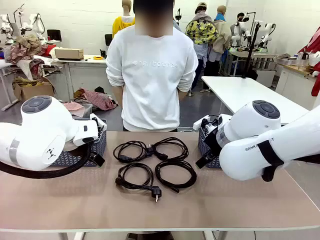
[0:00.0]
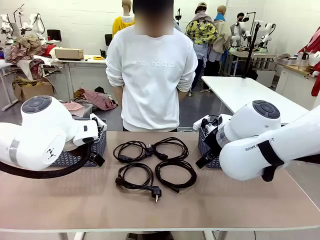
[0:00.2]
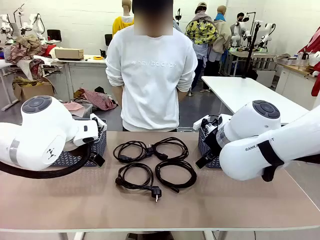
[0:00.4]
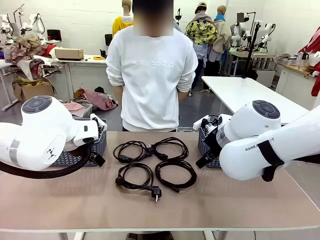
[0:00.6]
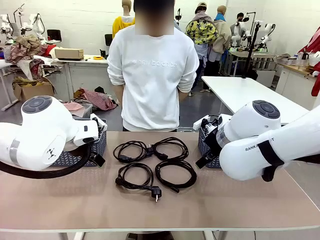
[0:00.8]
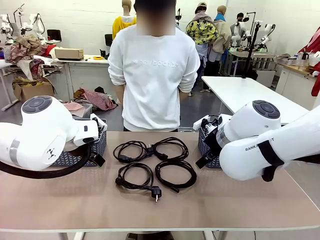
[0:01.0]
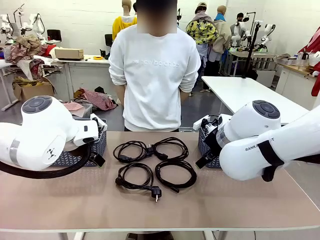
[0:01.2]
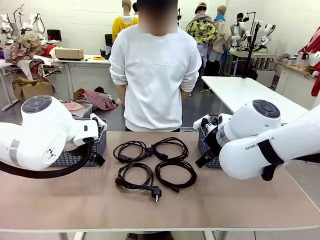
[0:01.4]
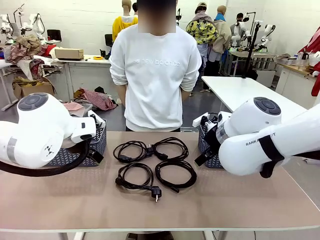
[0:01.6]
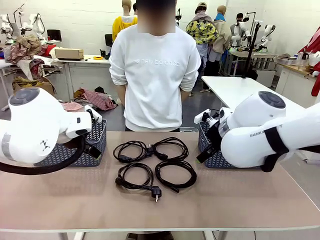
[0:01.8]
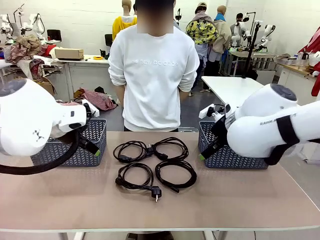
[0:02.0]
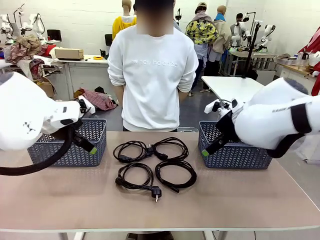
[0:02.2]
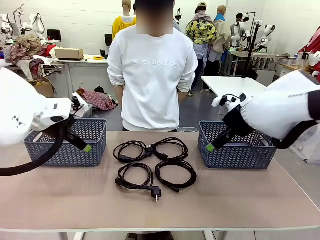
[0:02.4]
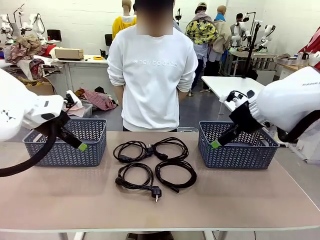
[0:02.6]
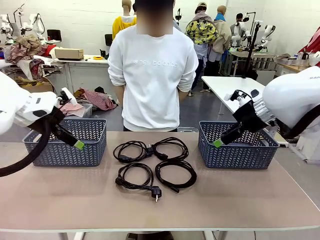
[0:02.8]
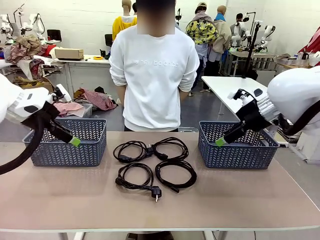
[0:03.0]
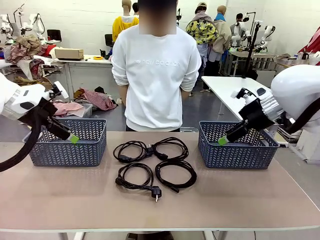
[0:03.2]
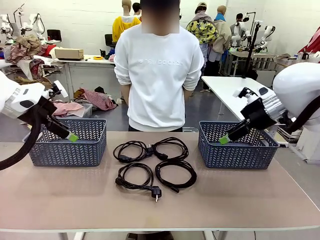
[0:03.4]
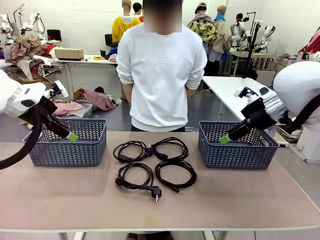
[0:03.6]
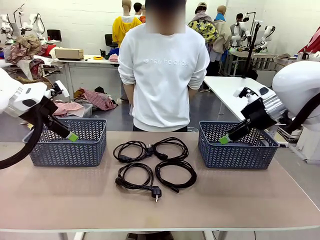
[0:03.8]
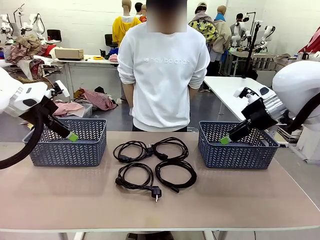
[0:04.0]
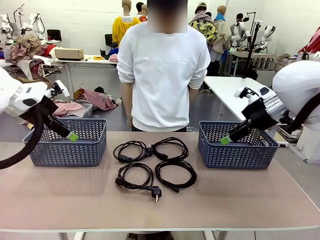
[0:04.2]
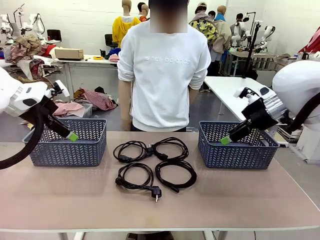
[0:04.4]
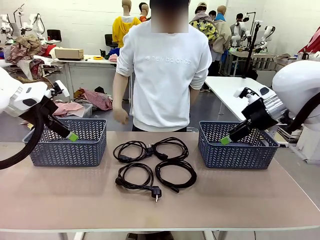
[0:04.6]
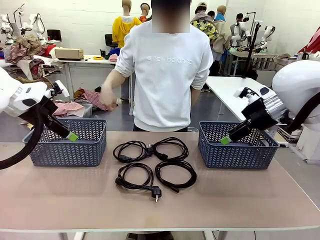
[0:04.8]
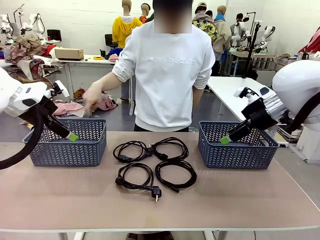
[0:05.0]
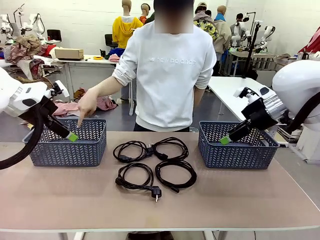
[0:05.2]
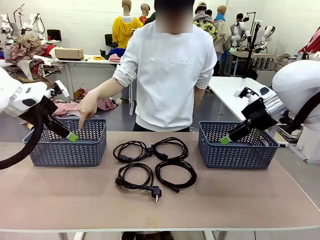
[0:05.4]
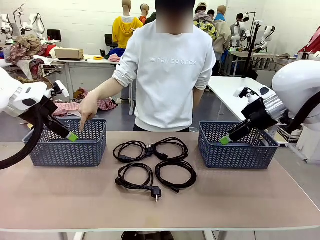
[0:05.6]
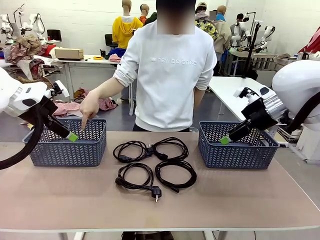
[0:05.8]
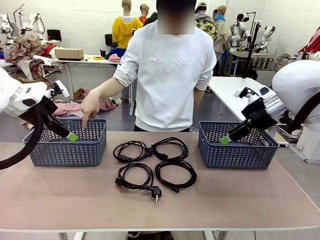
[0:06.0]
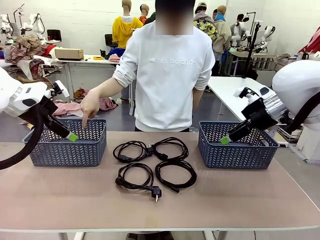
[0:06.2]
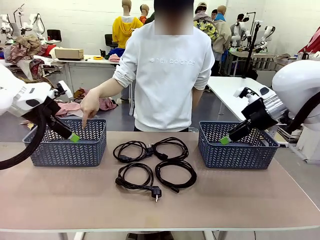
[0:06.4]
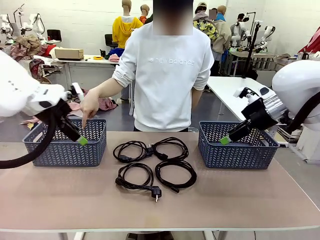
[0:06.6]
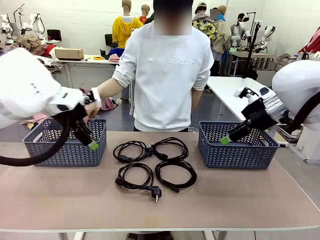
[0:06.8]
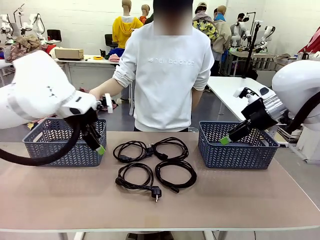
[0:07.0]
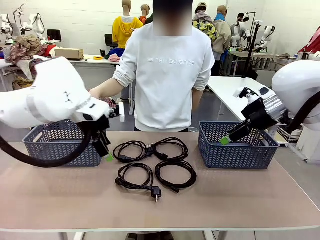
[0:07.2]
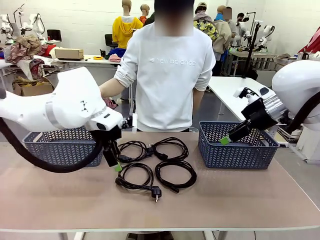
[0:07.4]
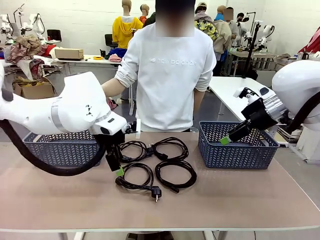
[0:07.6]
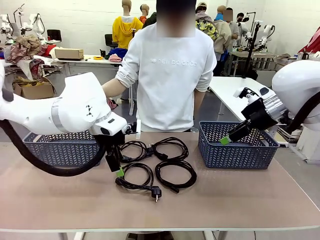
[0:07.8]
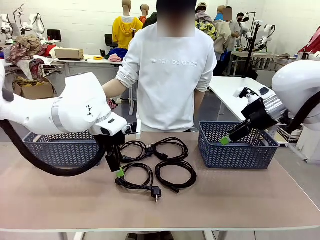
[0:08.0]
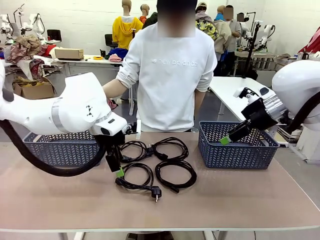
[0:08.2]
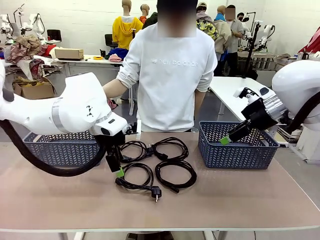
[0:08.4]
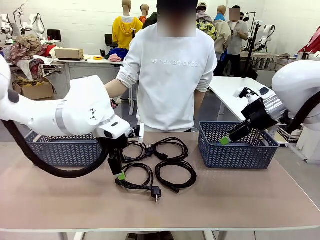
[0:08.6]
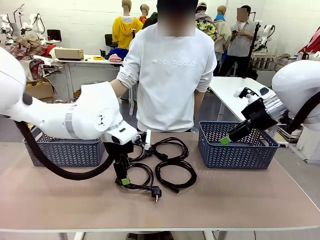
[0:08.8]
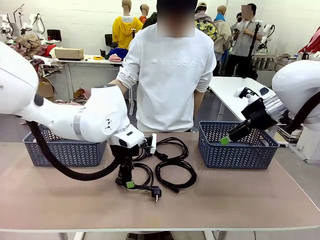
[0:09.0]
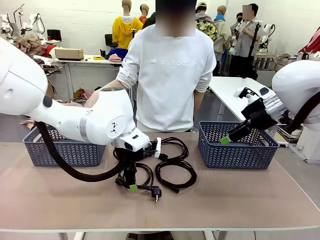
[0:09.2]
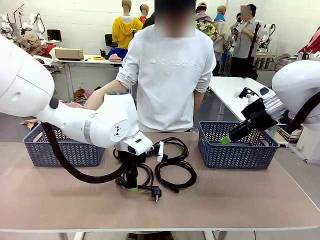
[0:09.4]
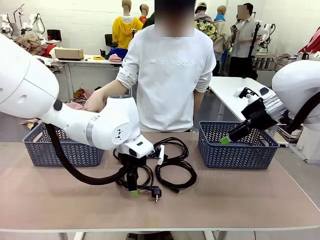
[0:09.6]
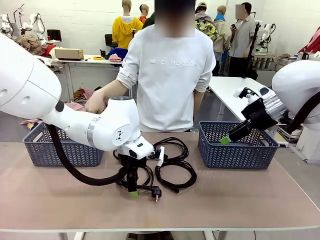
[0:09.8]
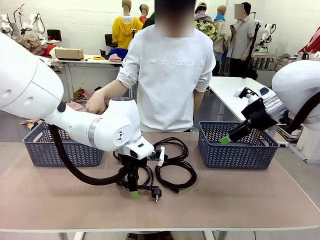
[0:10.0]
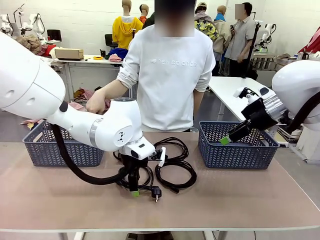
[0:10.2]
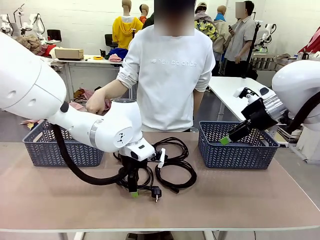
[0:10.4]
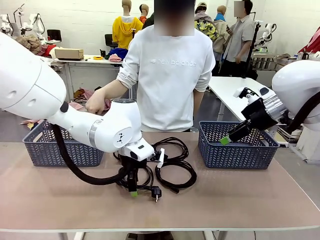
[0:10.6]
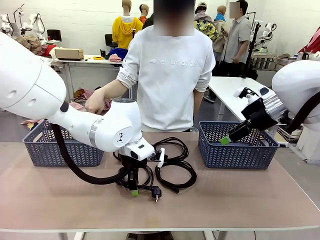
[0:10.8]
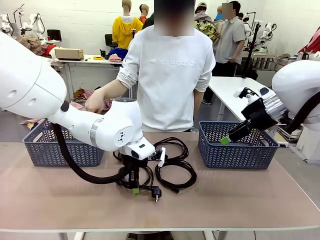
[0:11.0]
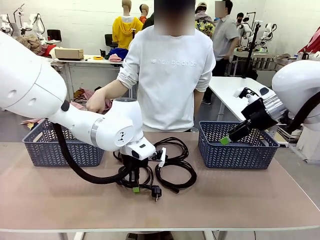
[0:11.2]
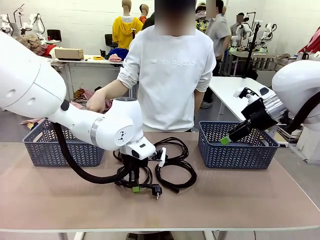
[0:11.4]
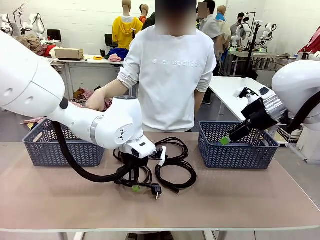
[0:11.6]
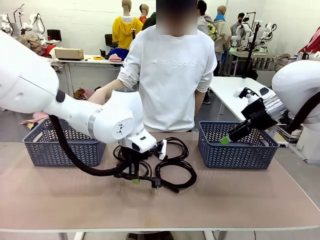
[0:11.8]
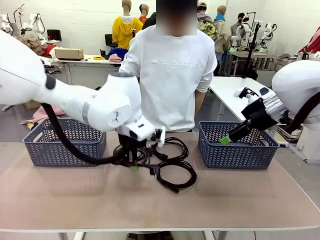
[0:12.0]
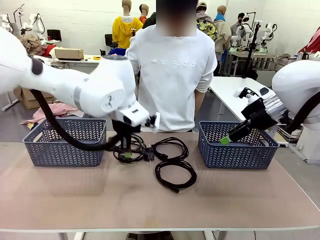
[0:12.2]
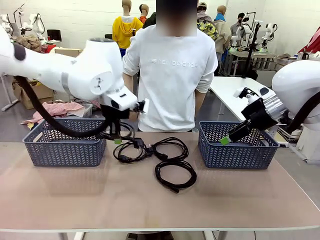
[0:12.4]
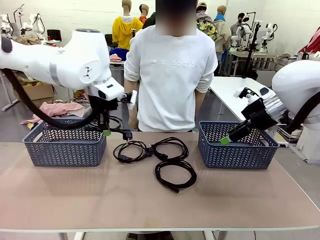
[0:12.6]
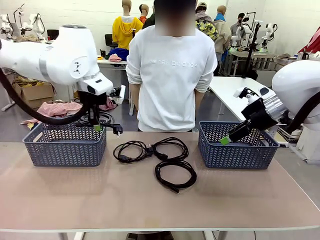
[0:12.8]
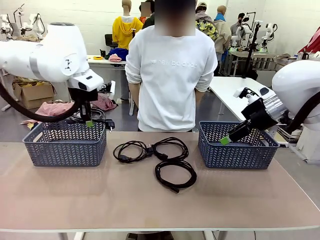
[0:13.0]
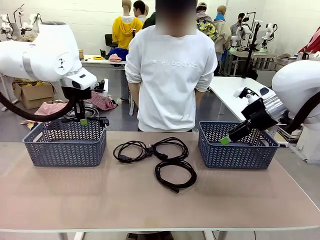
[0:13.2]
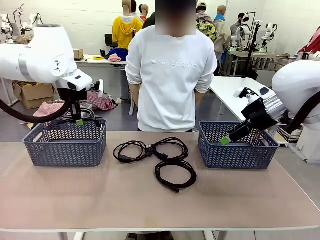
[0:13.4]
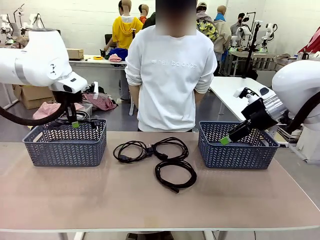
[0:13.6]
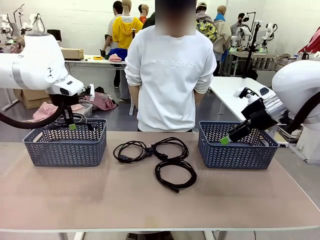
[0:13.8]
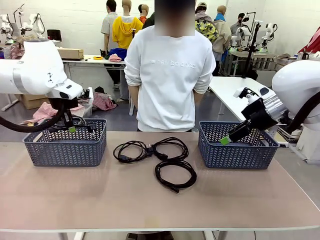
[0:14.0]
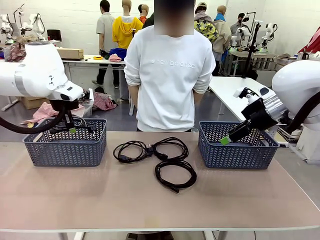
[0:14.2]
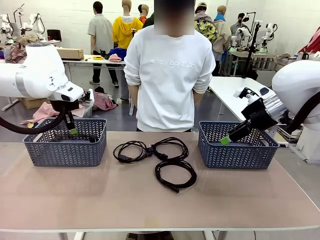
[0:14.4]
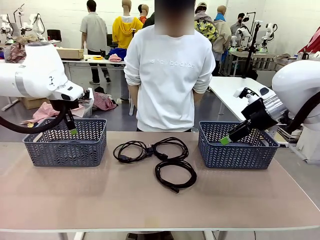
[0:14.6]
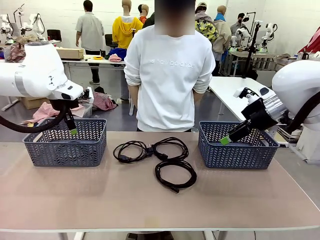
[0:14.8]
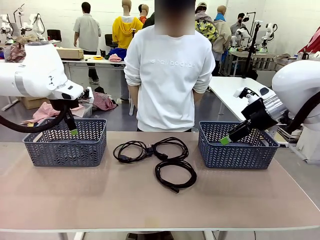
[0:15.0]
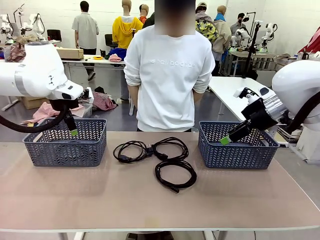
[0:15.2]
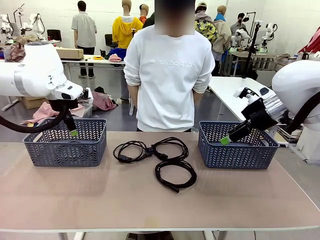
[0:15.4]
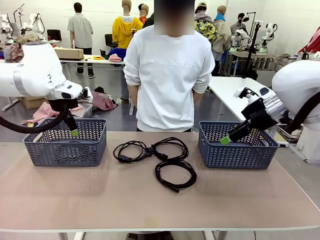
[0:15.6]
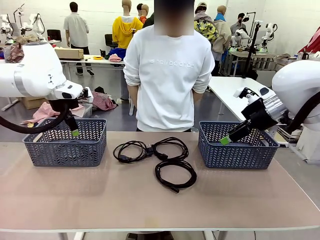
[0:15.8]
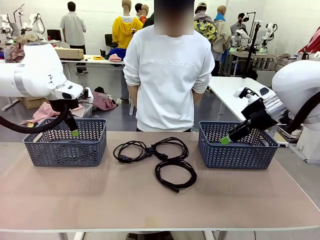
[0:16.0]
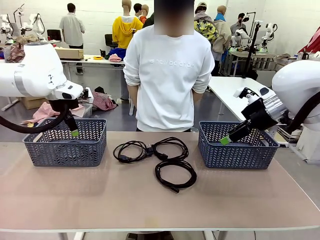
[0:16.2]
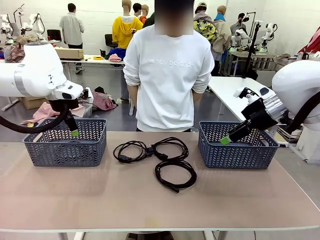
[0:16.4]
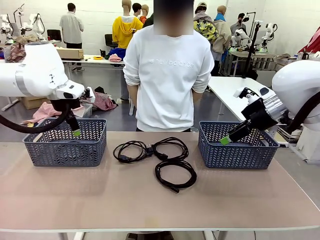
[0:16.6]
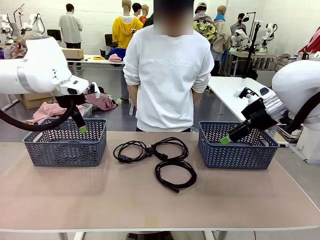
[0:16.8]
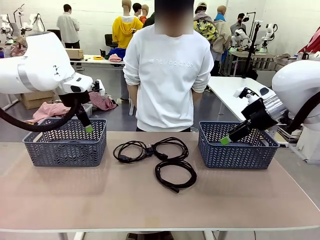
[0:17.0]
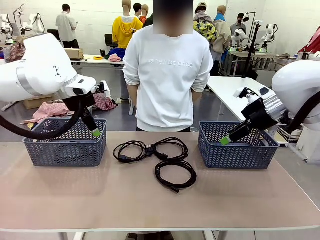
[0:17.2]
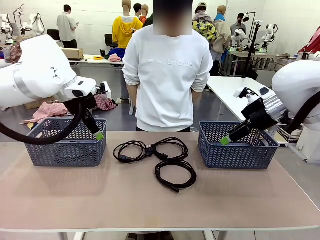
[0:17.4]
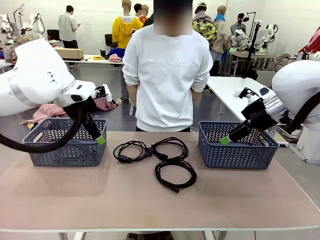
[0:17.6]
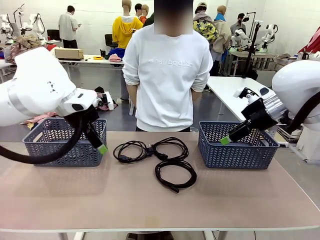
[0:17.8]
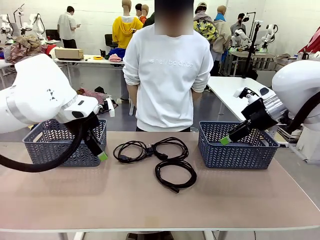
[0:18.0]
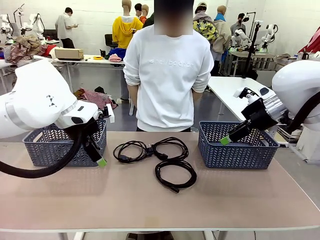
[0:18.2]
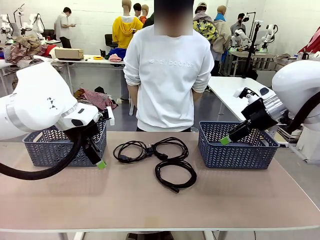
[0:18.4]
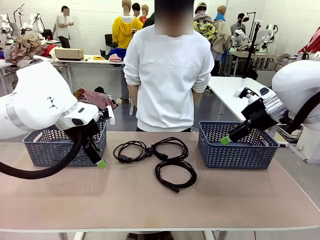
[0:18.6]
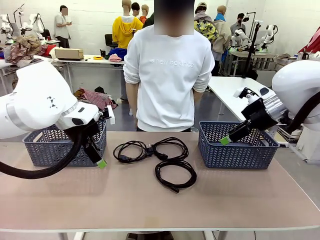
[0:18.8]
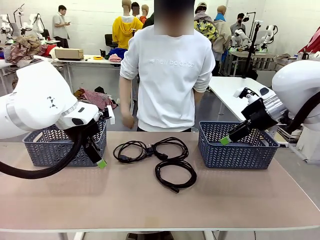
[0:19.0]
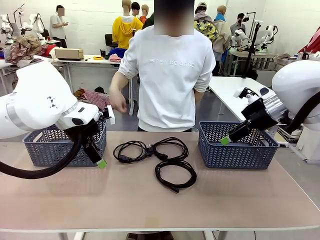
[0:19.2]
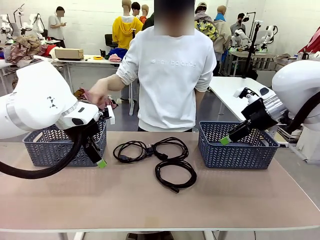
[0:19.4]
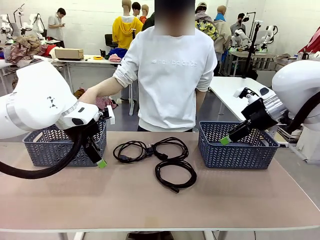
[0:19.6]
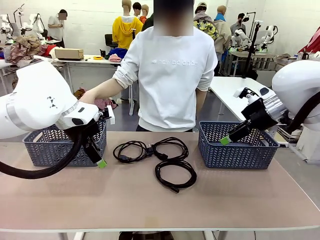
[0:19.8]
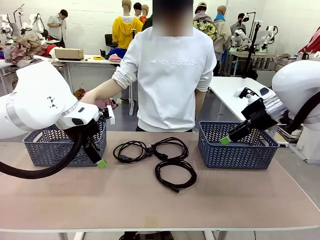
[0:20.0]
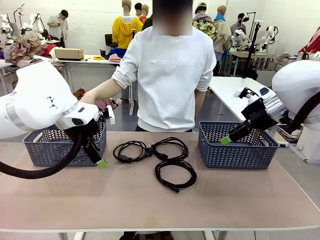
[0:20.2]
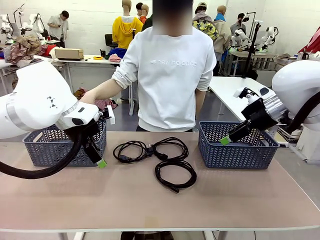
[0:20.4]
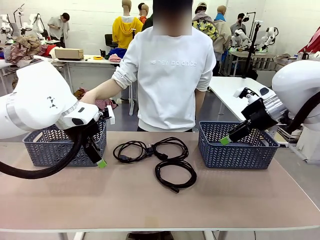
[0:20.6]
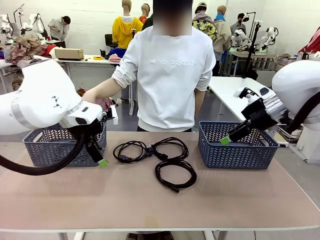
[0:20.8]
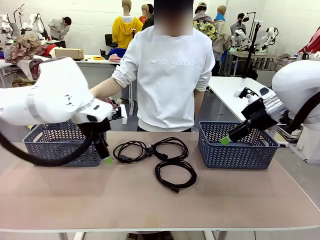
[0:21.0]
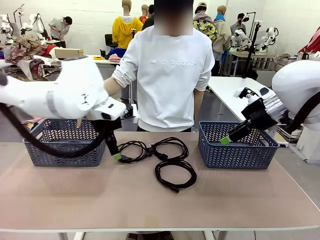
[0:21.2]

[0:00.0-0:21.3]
Task: Organize the cables according to human instructions.
Robot: Pick up a bundle of cables and place it in the basket indicated by the human.
